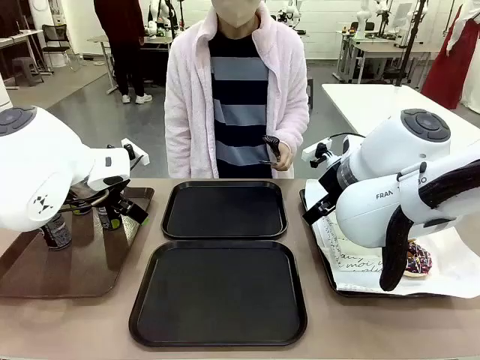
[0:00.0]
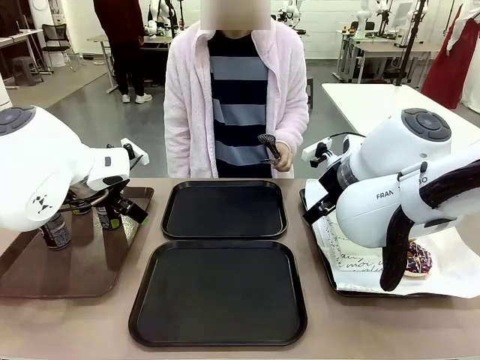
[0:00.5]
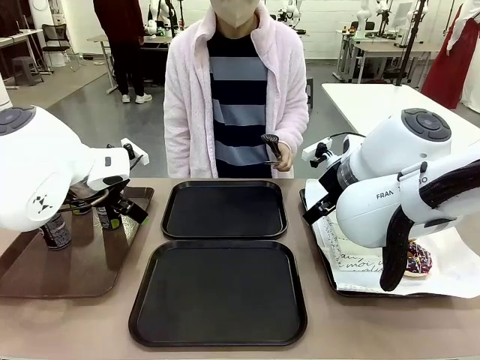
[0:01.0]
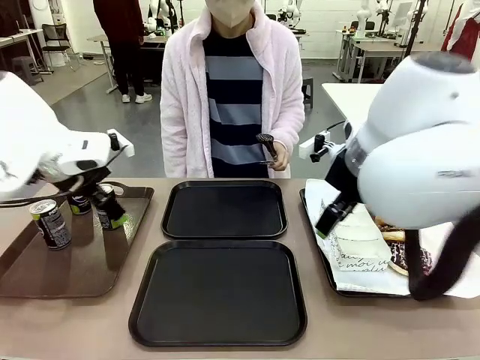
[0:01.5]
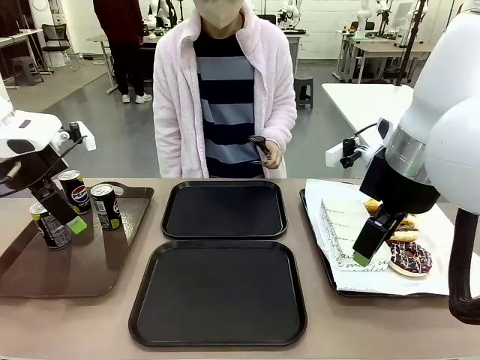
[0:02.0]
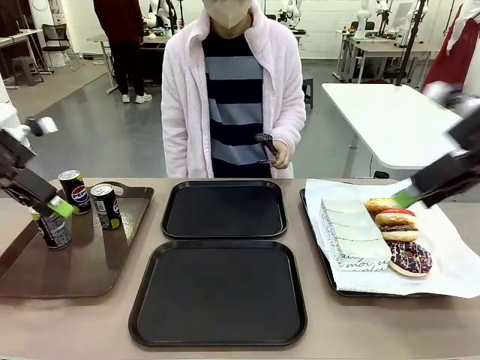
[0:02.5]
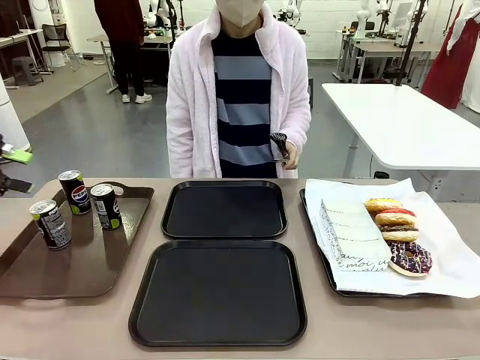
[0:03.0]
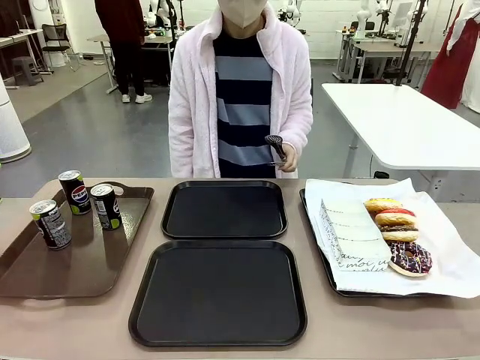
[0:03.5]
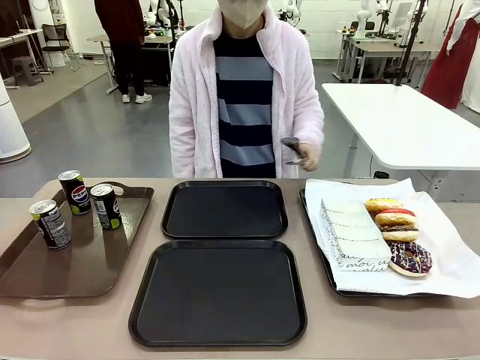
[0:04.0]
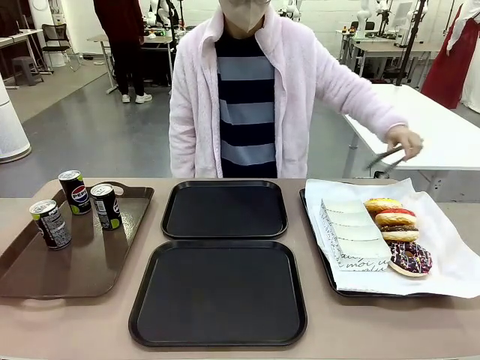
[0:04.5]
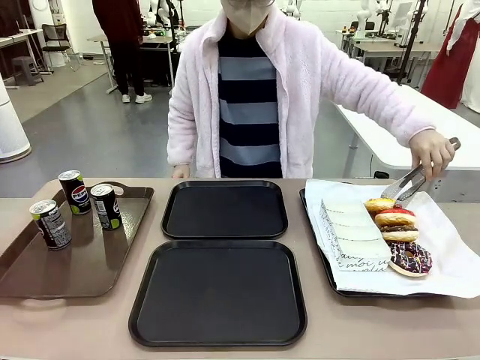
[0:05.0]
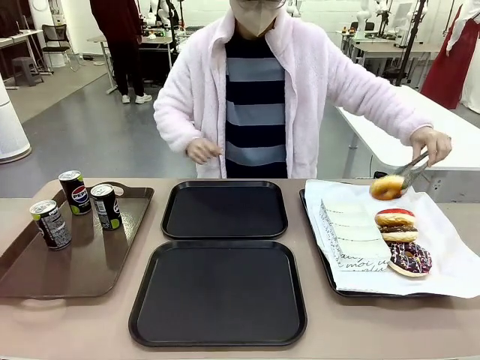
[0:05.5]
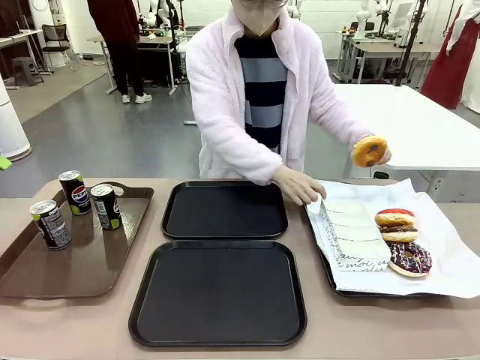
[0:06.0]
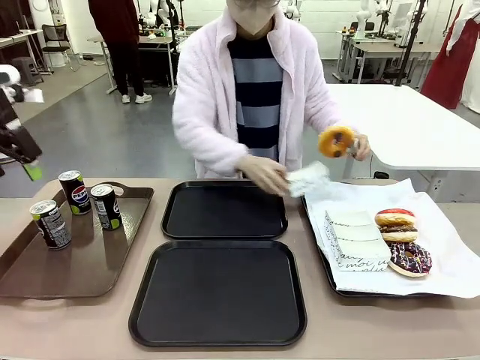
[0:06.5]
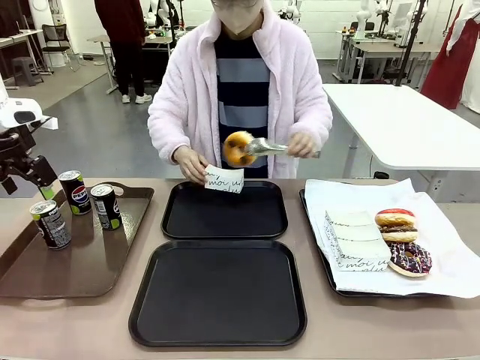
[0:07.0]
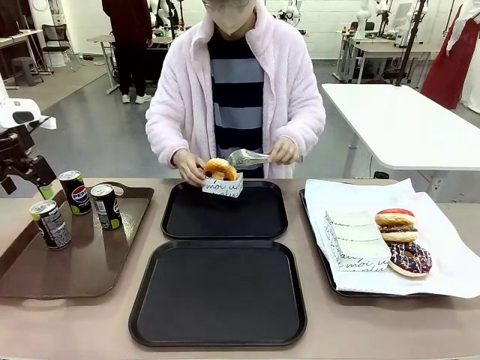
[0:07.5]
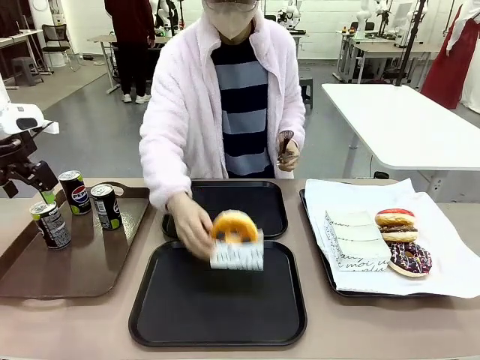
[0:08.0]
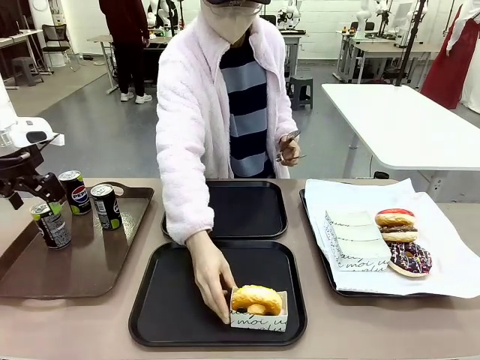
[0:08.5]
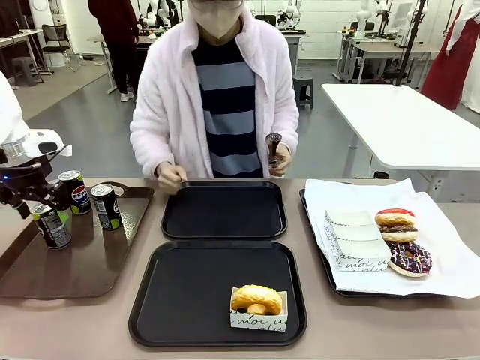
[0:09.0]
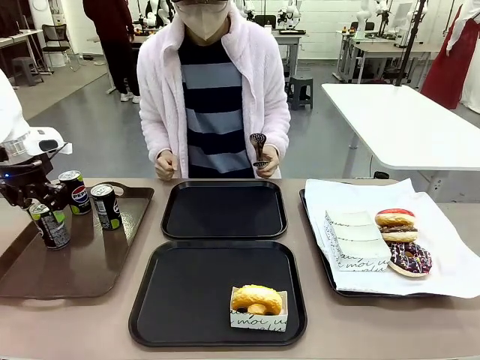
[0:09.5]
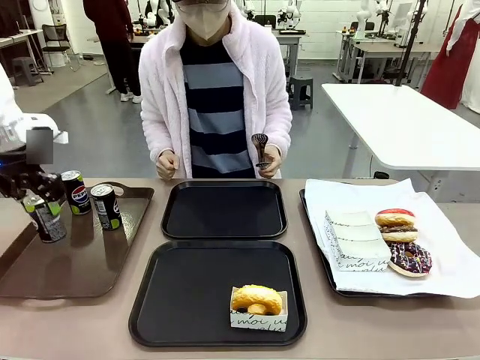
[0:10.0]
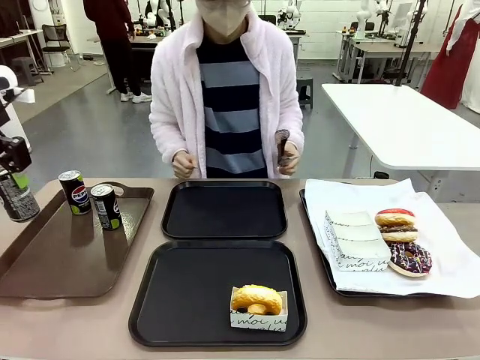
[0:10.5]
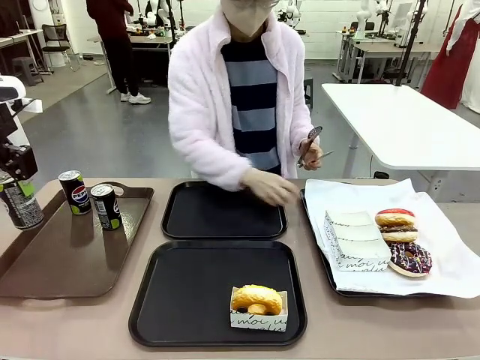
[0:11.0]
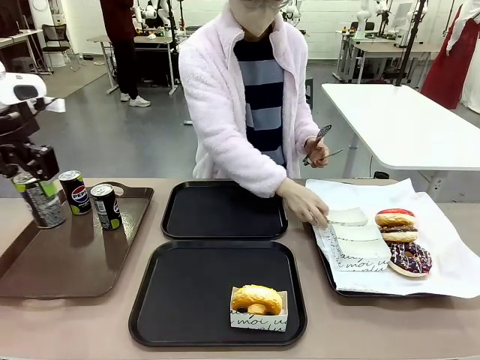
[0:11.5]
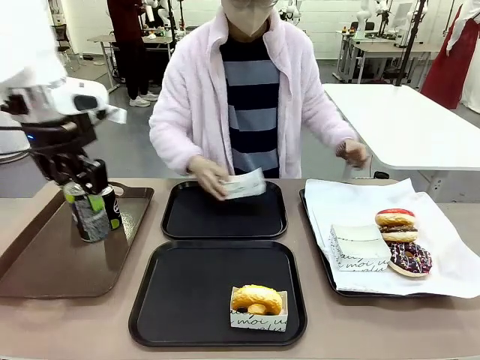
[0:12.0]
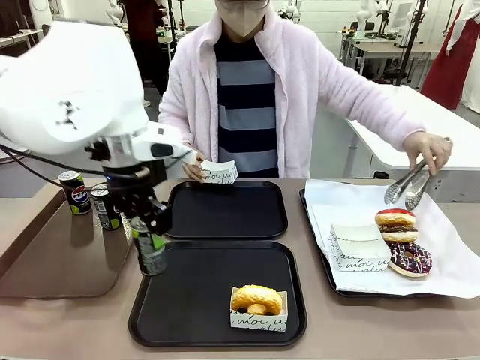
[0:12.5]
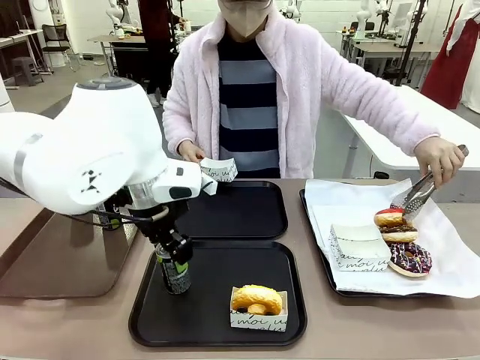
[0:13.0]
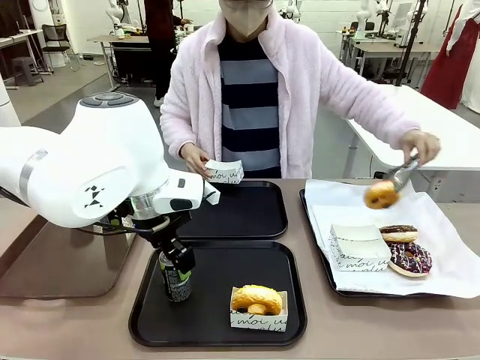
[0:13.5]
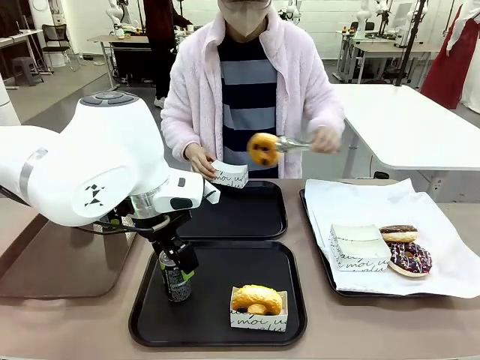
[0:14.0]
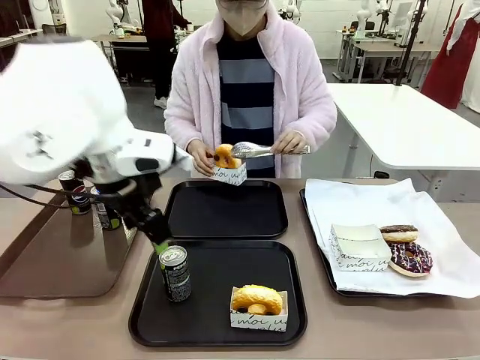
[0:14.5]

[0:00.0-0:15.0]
Task: Set up donuts and drinks on trays.
Robot: Pick up one Pepsi coke and place it on the Flat Tray.

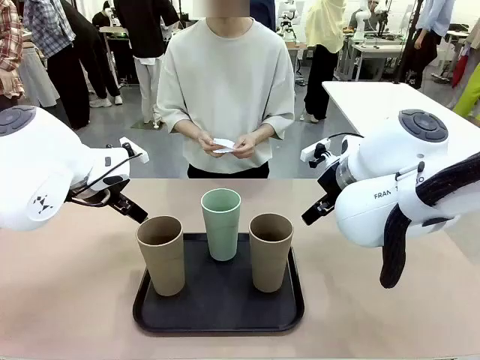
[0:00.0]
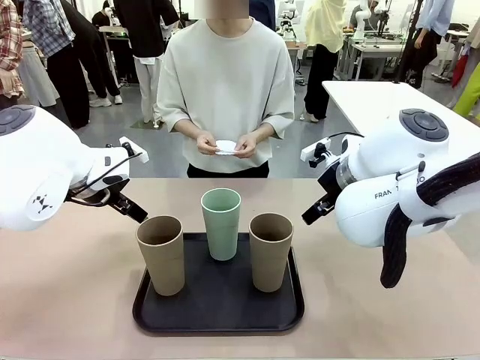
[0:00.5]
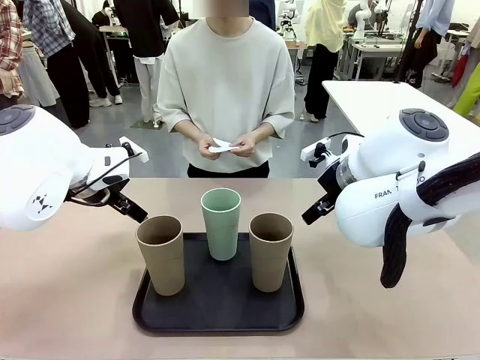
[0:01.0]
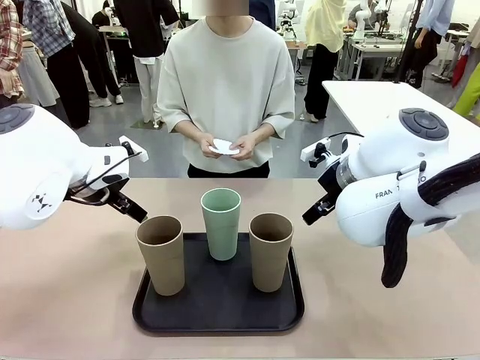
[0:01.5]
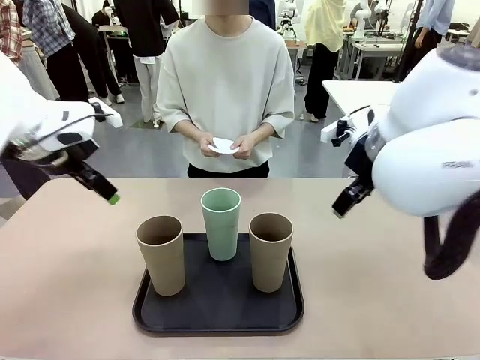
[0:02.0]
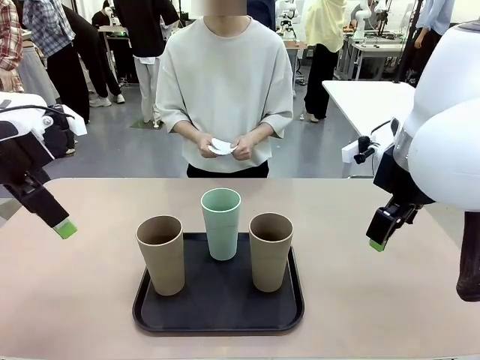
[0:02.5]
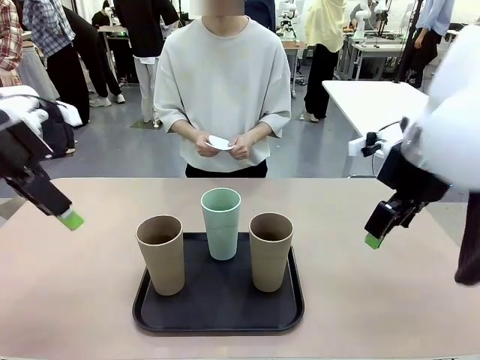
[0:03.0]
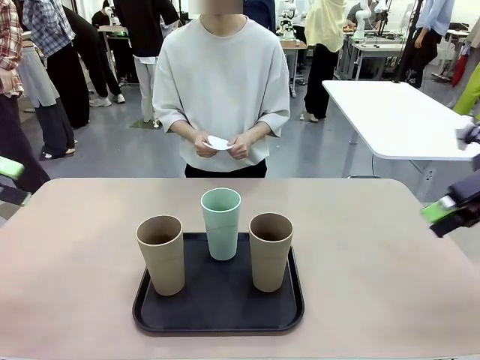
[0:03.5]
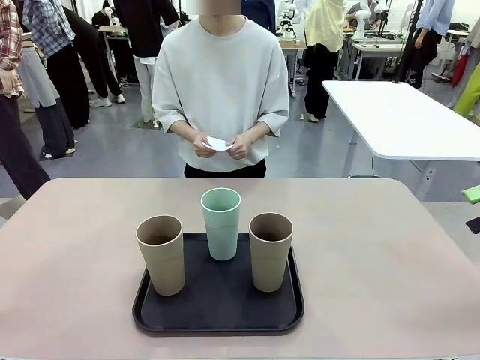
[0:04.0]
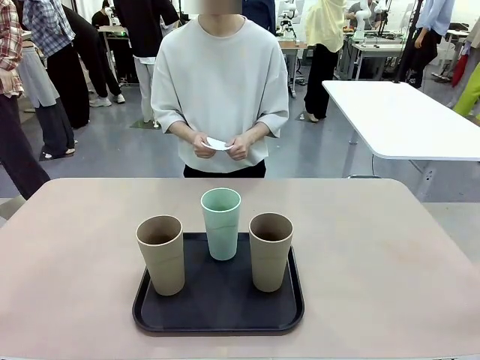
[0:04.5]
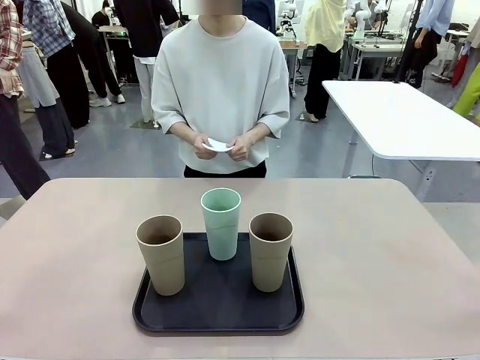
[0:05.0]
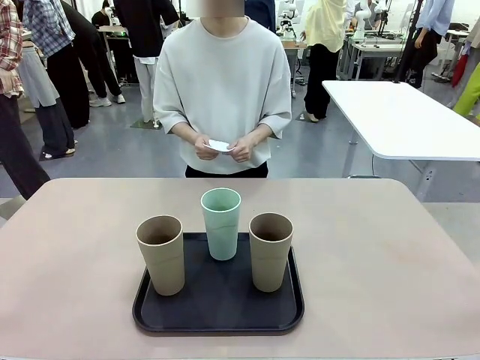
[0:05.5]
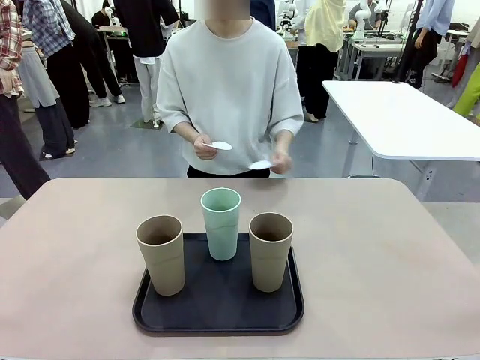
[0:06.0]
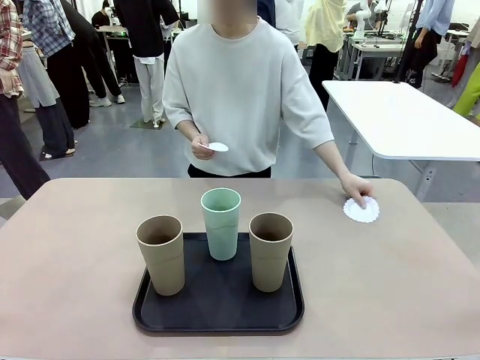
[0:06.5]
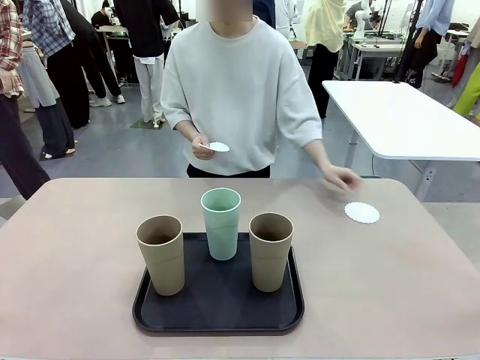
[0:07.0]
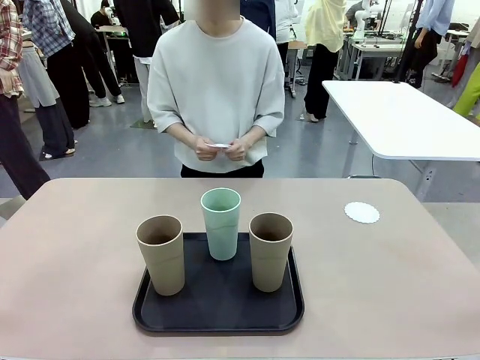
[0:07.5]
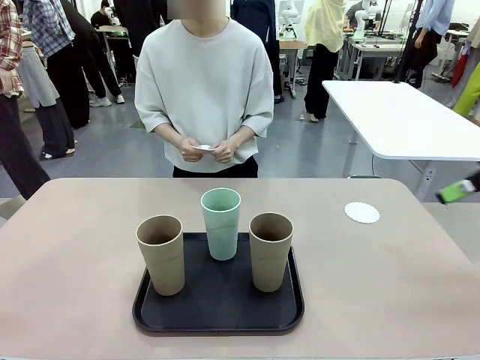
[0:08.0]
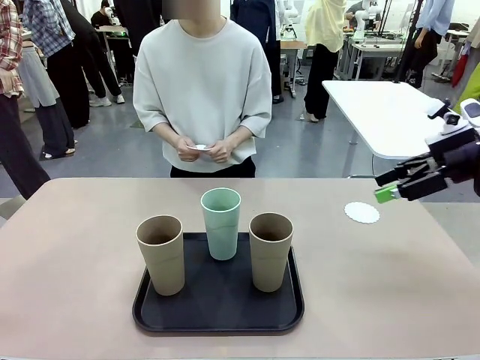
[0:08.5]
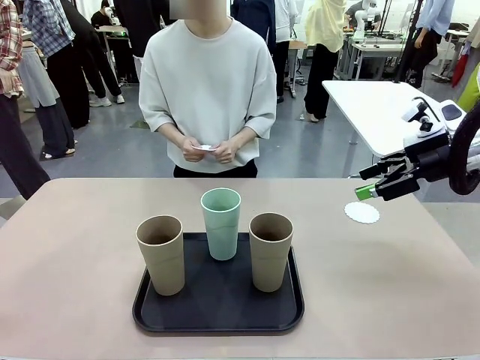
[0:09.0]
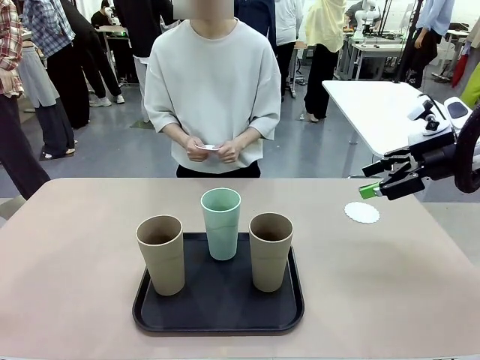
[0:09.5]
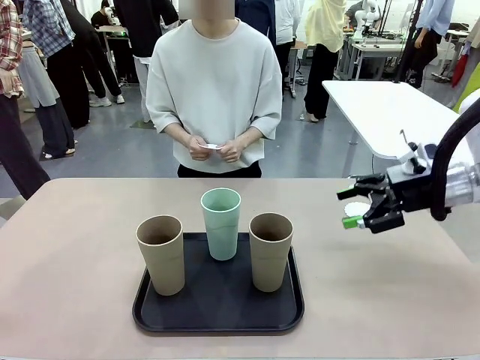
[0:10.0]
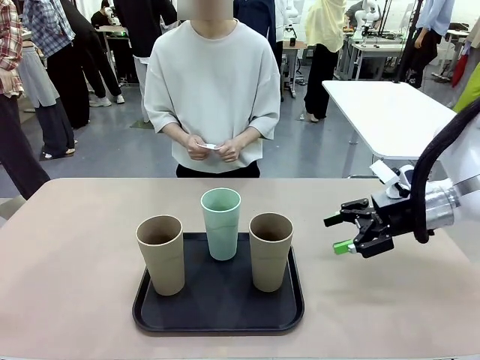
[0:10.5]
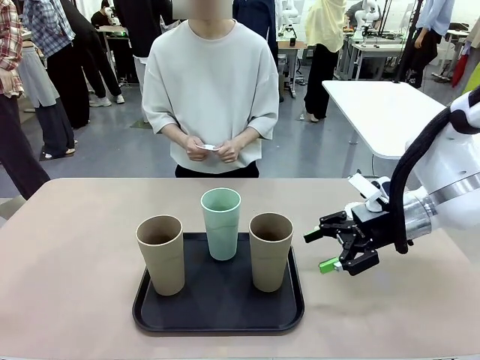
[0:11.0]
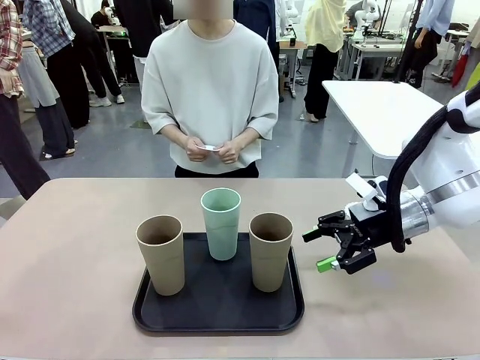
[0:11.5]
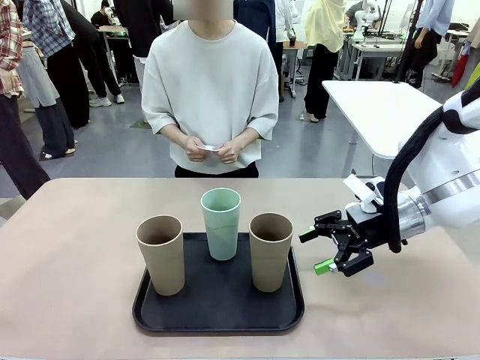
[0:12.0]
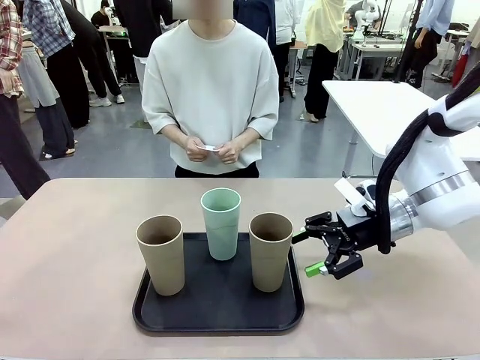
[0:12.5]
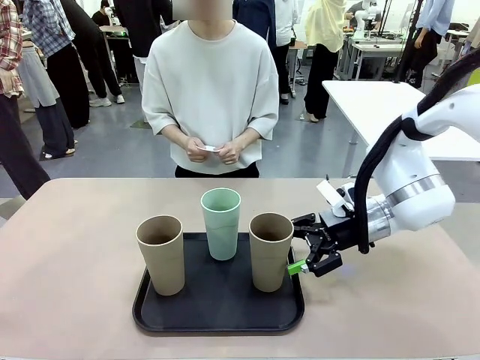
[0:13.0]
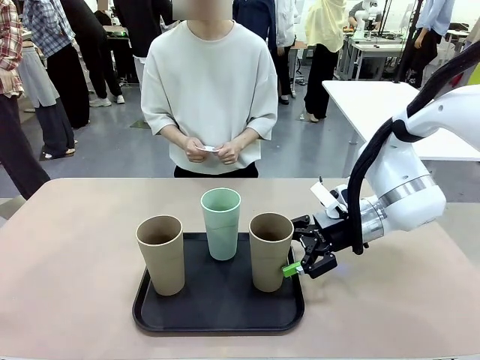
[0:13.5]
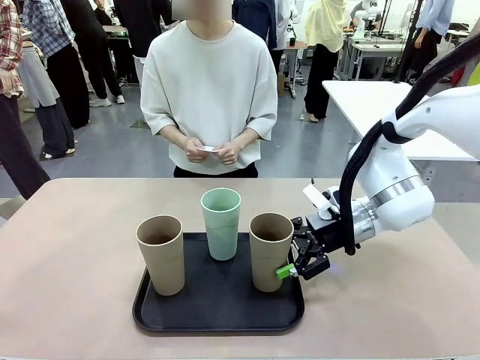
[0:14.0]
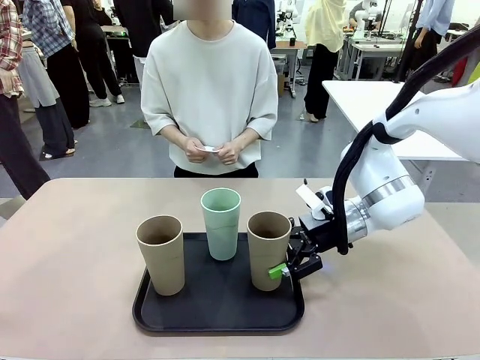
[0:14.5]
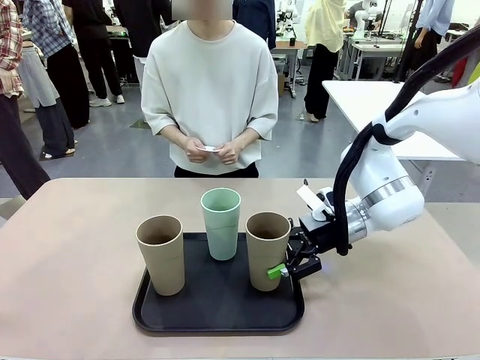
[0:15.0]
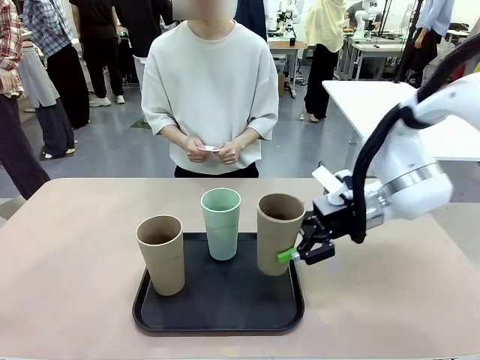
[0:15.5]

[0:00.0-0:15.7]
Task: Place coasters on the table and set cups on them.
Robot: Pick up one Reusable plastic cup and place it on a coaster set by the human.
Person: Place one coaster in any one of the three lower areas of the robot table (left, center, or right).
